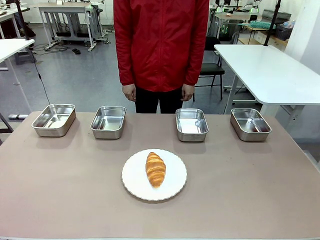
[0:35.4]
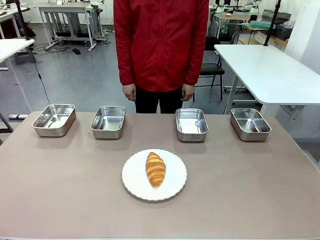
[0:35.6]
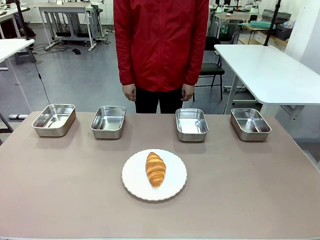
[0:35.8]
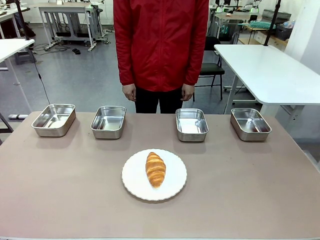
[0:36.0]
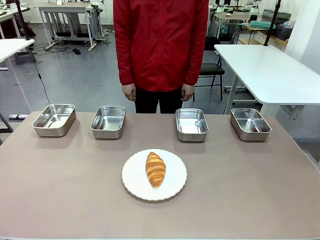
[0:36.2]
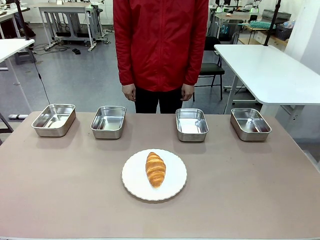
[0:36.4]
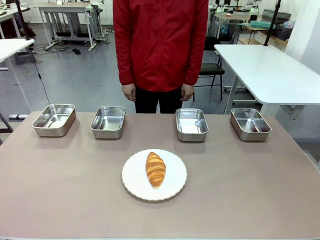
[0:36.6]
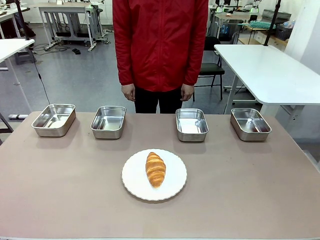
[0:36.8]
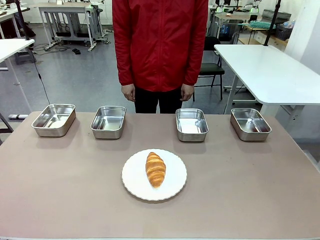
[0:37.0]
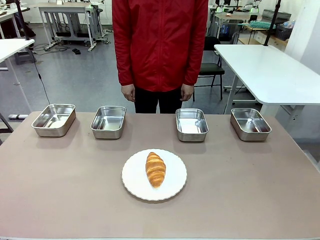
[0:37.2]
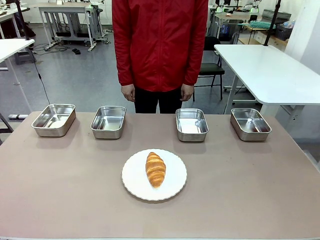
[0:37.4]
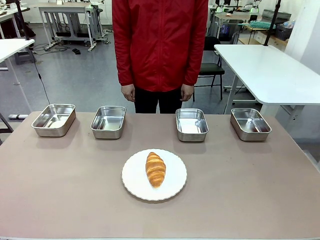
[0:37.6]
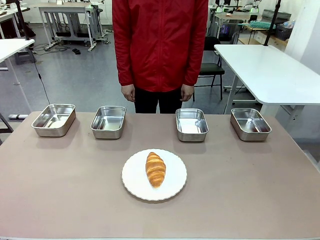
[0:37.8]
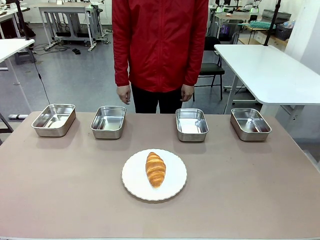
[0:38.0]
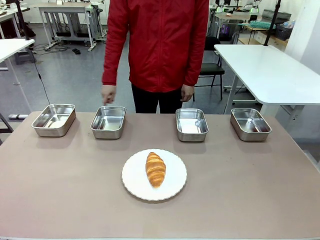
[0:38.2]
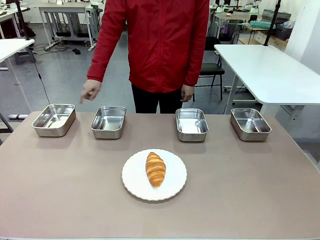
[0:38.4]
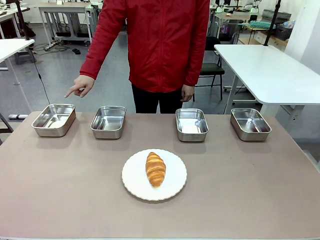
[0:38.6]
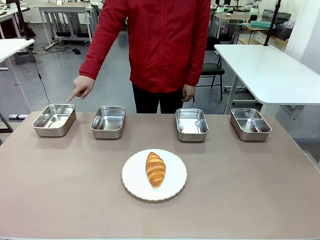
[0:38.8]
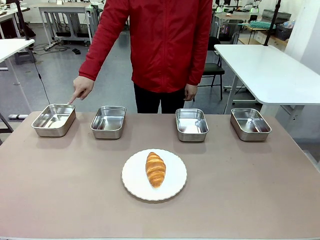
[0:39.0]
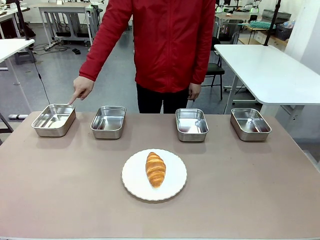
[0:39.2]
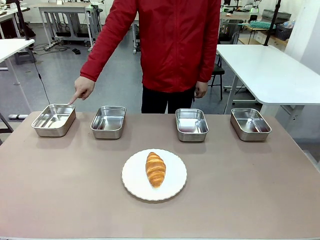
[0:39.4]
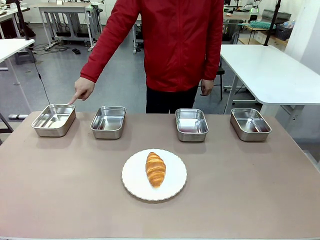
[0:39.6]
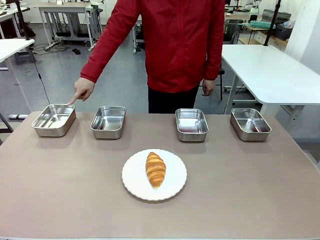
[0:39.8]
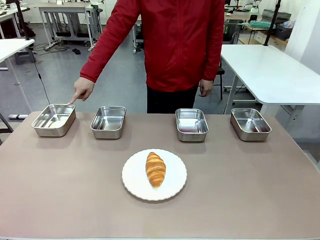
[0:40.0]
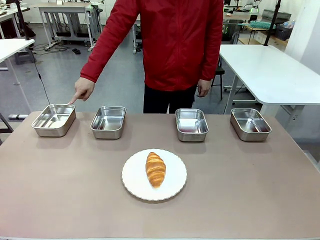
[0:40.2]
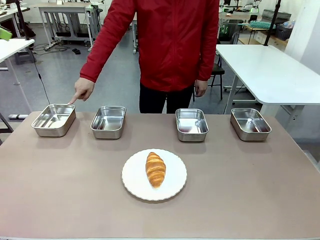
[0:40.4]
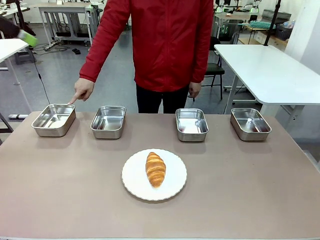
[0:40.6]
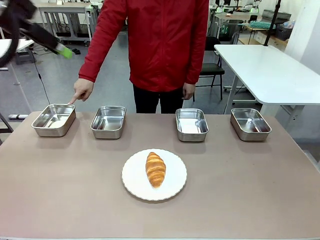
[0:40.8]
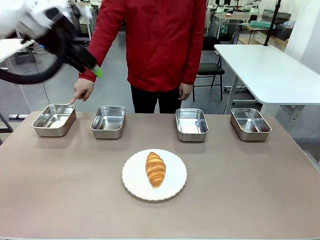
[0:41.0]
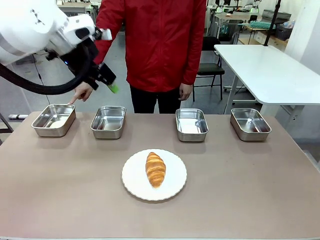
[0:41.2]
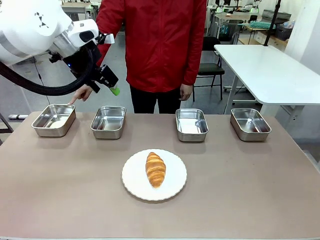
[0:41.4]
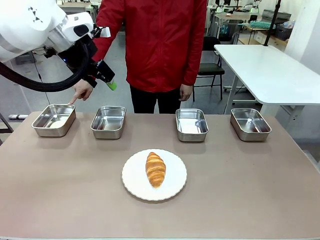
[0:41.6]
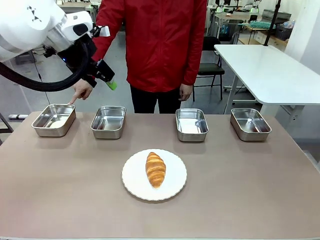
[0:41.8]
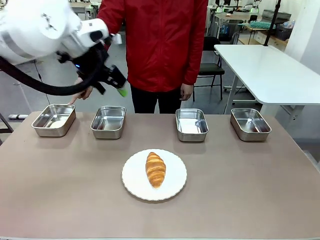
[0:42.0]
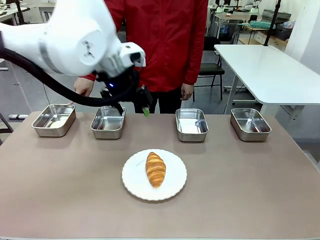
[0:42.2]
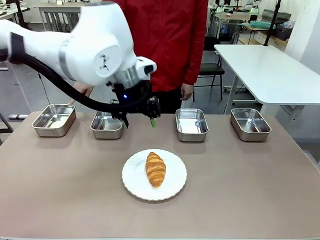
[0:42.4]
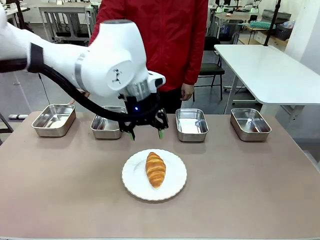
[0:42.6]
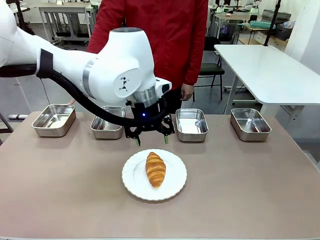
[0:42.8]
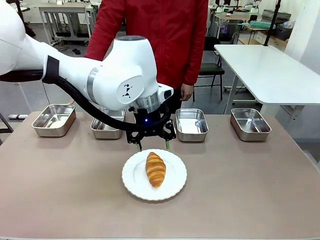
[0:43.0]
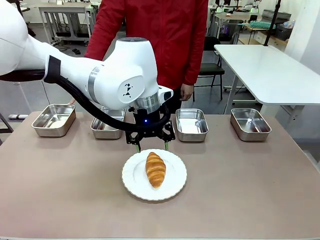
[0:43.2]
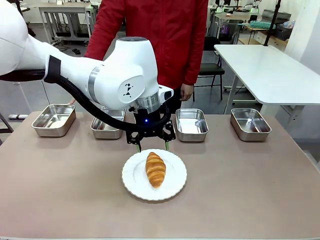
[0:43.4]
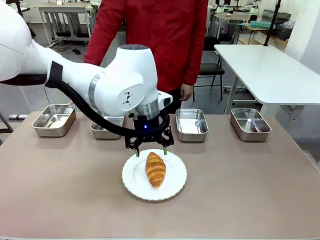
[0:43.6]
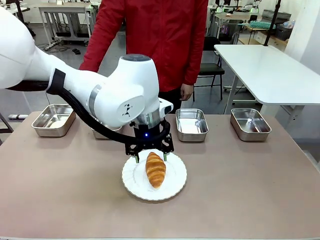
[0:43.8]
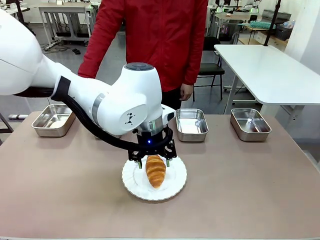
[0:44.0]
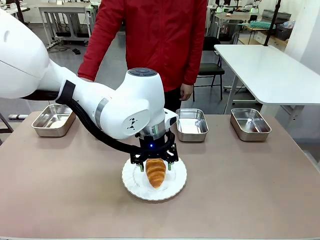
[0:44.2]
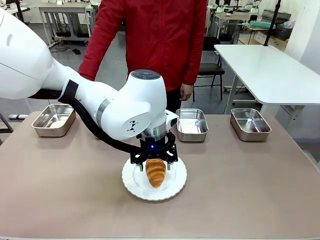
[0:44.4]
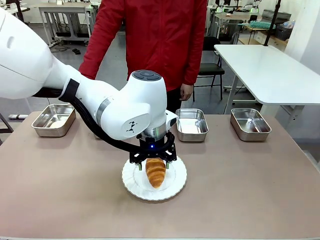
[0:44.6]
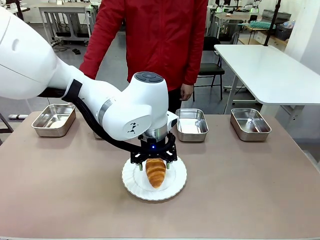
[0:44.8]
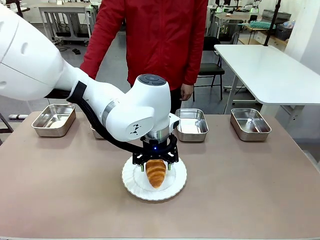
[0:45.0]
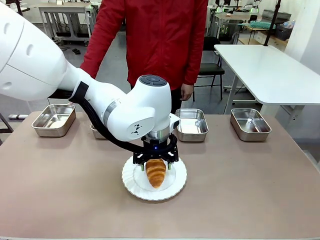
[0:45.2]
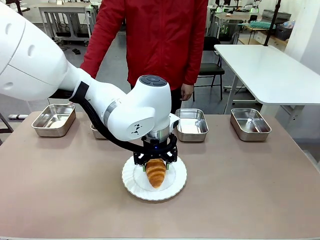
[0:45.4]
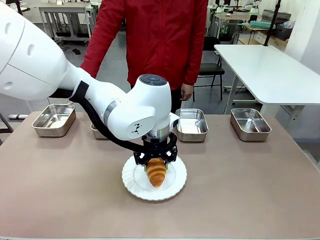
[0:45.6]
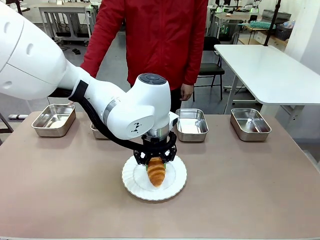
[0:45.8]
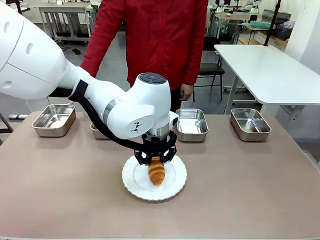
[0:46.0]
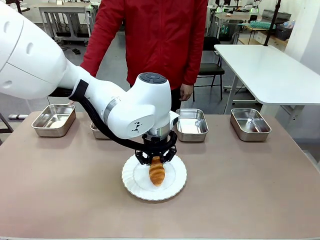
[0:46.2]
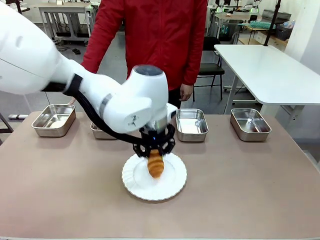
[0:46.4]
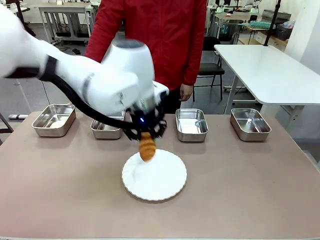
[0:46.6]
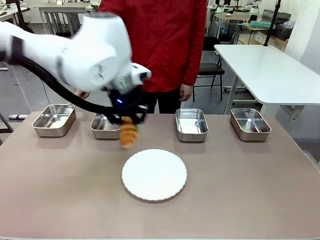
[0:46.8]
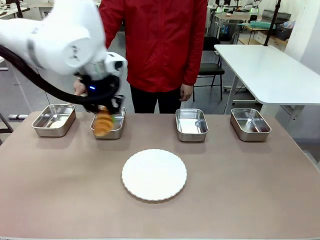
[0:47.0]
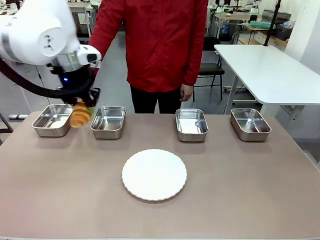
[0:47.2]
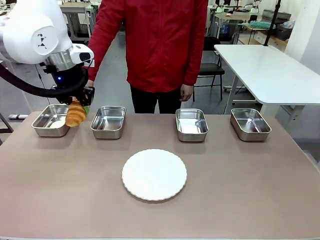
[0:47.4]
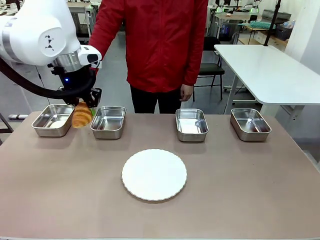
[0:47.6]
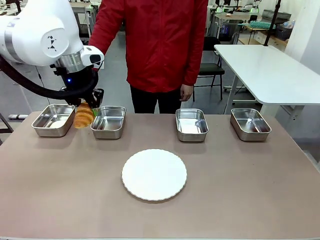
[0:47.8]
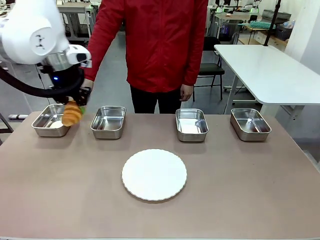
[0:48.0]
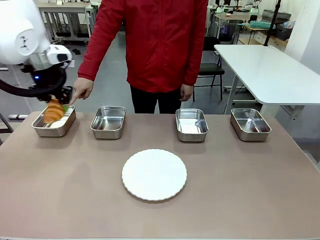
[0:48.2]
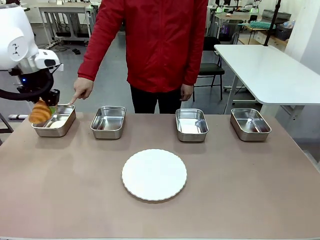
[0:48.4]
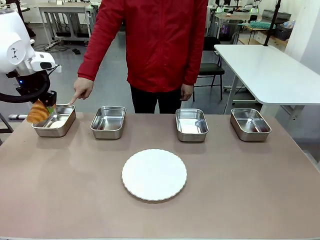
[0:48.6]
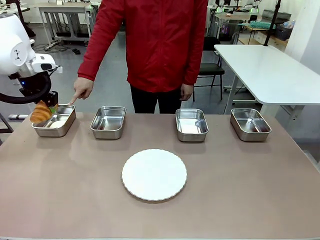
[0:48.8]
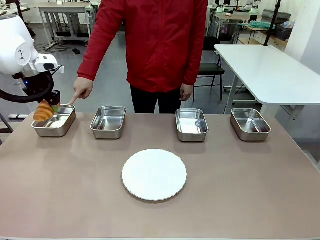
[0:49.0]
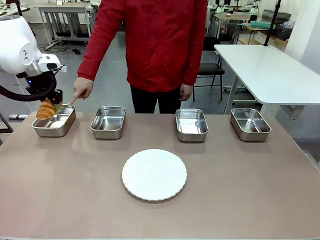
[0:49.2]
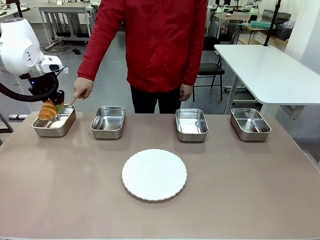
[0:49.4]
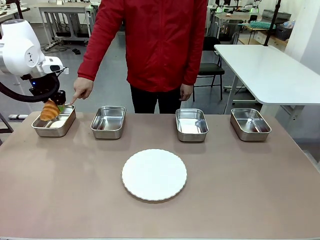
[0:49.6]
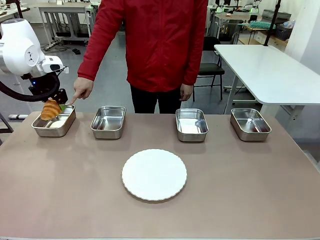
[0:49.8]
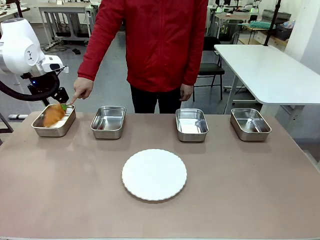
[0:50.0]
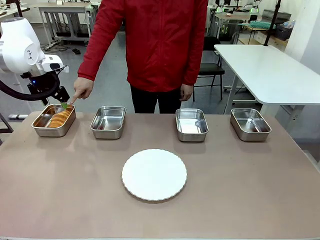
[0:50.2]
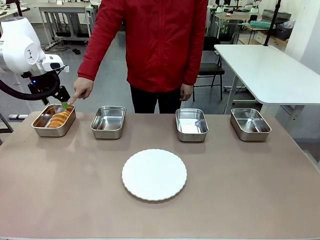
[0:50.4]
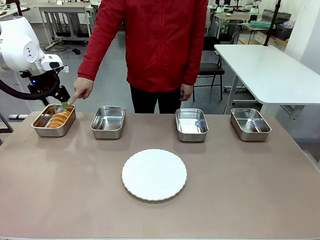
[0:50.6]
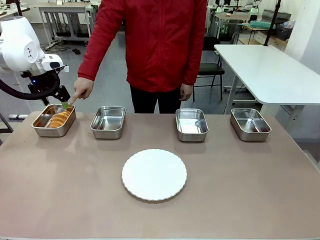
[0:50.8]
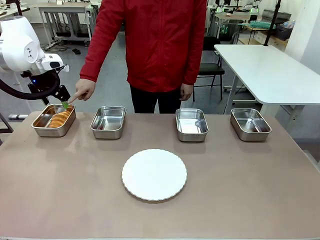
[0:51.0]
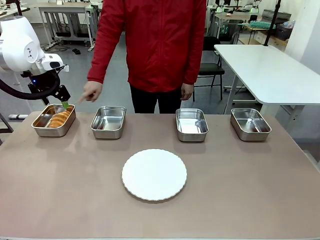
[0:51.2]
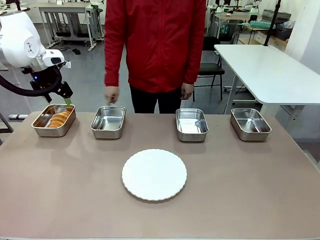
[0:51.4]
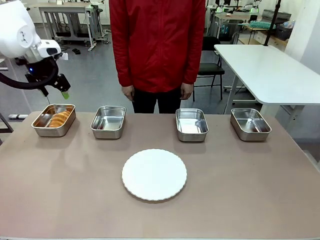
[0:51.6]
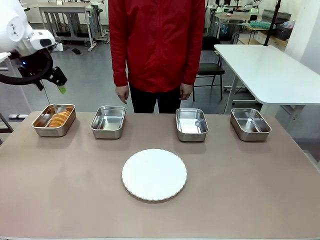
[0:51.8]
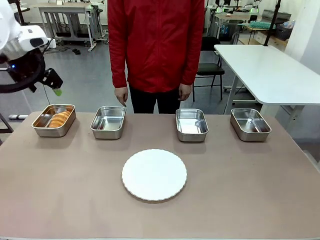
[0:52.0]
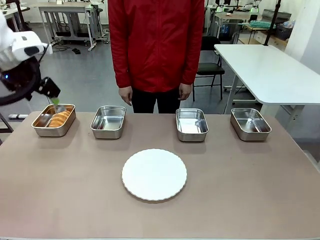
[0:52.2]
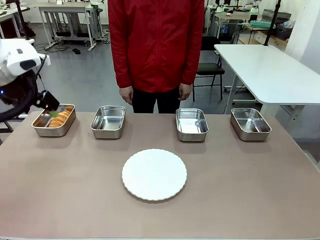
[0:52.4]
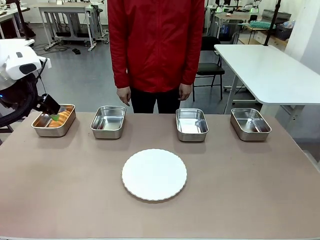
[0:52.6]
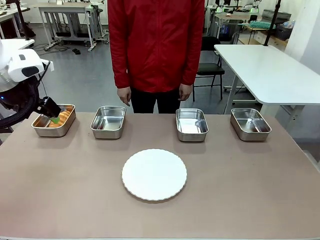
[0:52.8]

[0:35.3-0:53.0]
Task: Place the bread in the container.
Robot: Place the Butter Roll into the Airtight Container indicated by the human.

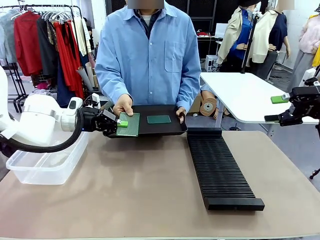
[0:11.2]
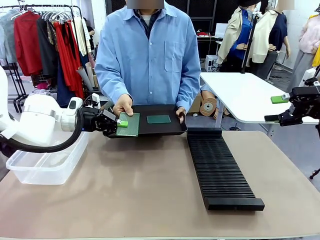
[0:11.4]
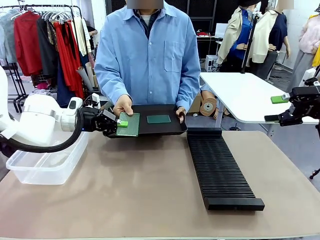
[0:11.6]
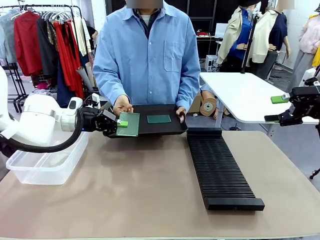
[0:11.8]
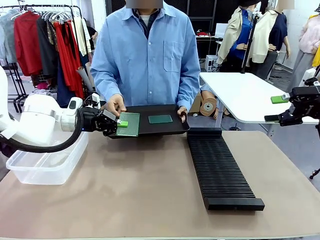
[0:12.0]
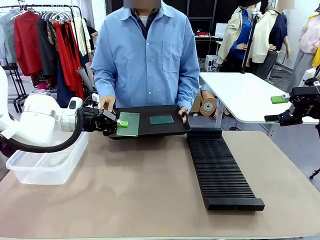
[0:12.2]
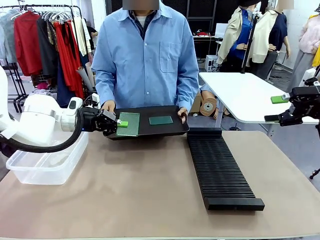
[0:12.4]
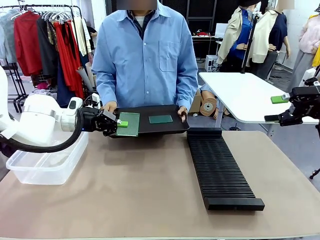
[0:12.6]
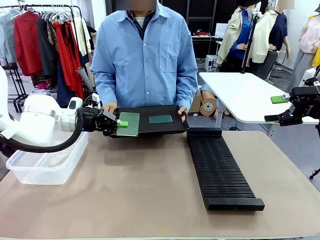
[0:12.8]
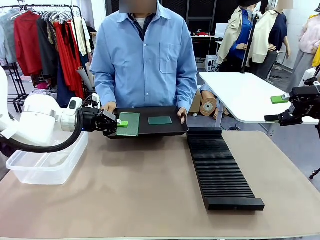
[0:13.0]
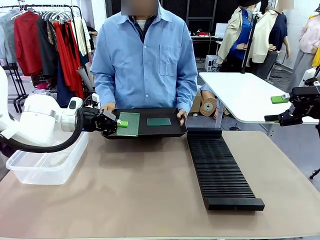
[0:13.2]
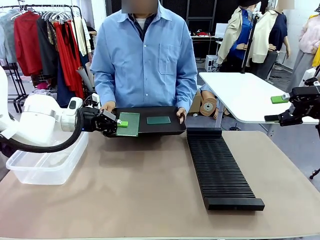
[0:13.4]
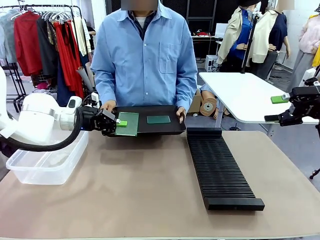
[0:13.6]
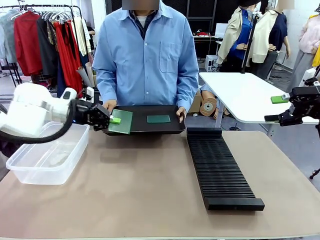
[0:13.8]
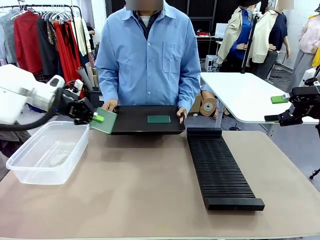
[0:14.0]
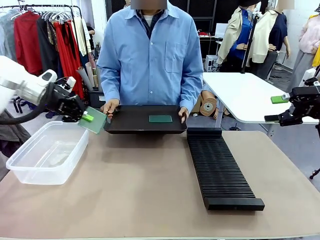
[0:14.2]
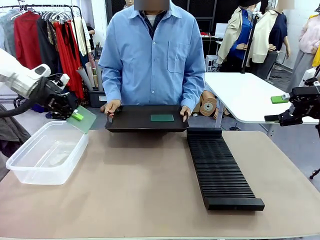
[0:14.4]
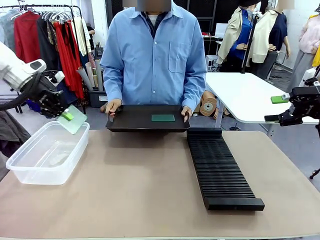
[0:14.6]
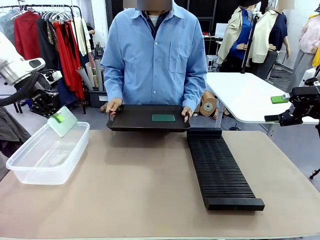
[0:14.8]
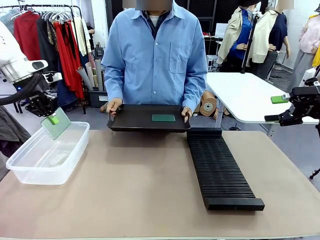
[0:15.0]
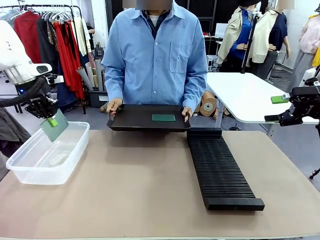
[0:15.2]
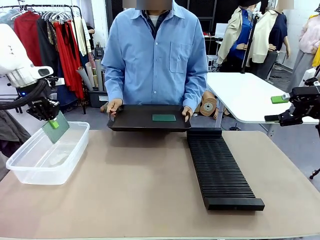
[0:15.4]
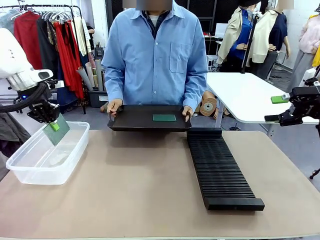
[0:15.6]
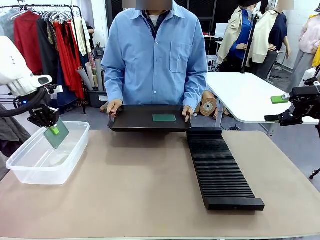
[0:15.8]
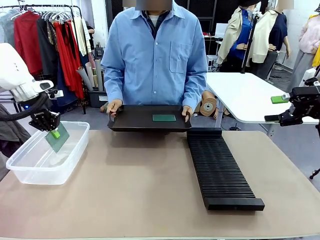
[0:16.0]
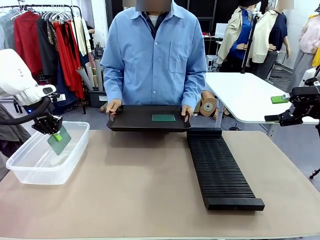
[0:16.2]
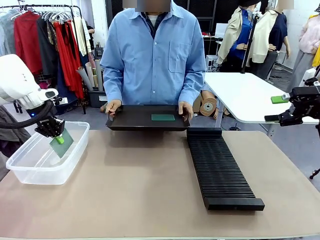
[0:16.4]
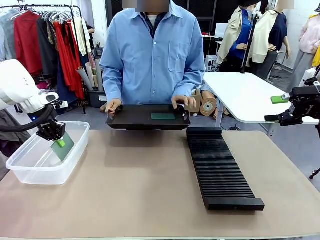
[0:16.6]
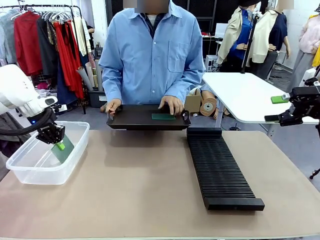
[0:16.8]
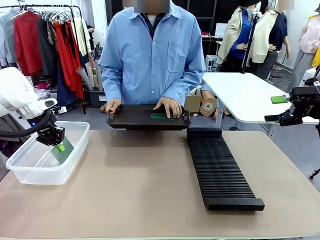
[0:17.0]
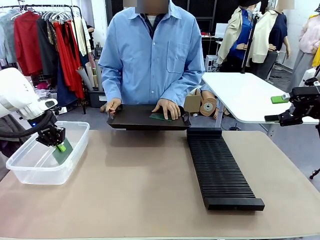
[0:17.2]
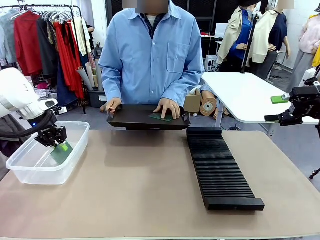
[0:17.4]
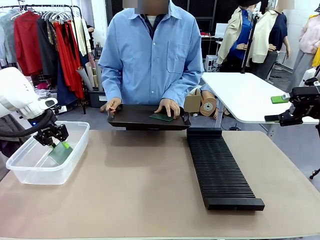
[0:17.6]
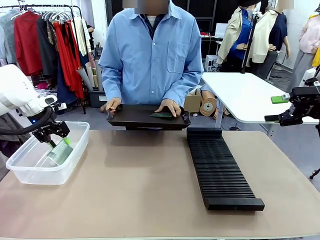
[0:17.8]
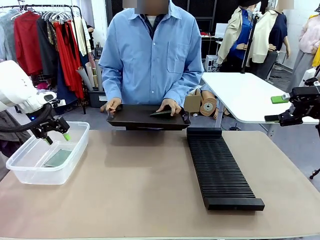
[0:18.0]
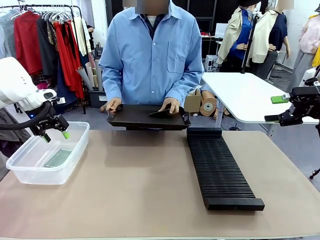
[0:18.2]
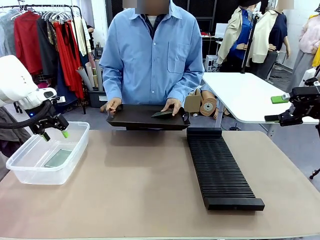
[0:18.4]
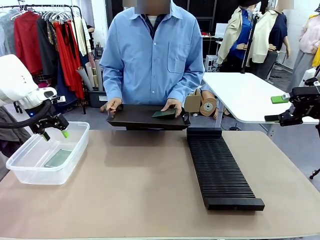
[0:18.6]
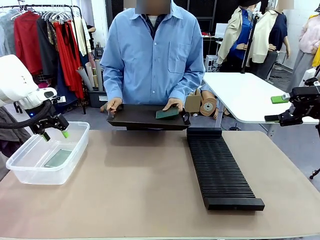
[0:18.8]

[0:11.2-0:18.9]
Task: Sort PCBs into racks and boxes based on the side picked up.
Robot: If the short side of the Blank PCB is picked up, insert it into the PCB Rack ; if the long side is picked up, place it in the Organizing box.
Person: Pick one PCB from the tray and present it to the robot.
